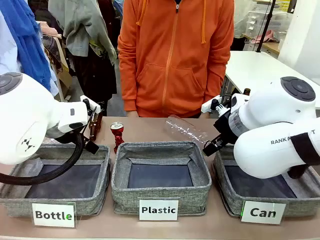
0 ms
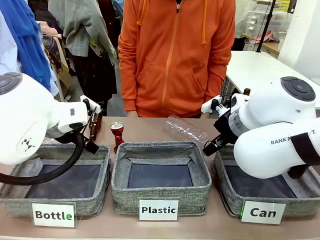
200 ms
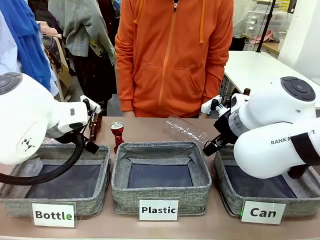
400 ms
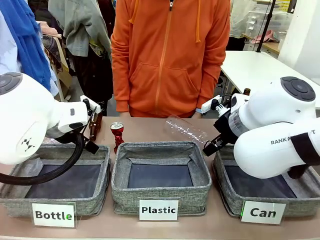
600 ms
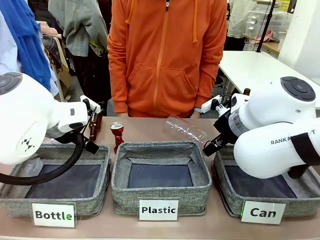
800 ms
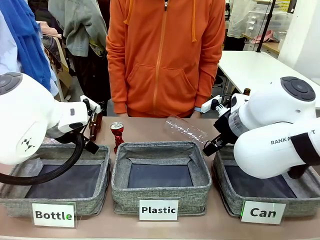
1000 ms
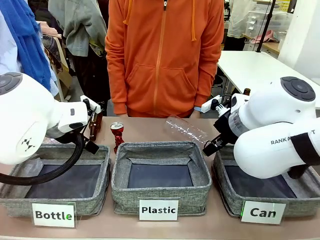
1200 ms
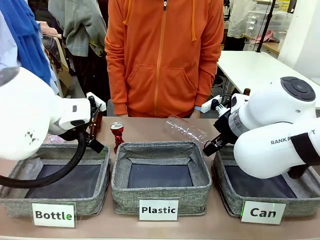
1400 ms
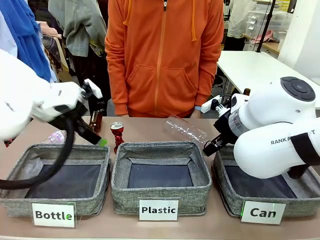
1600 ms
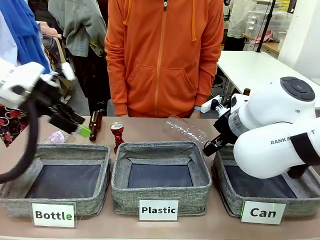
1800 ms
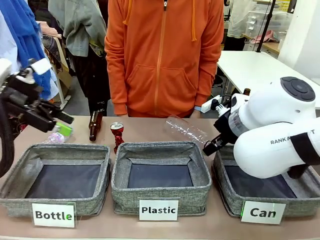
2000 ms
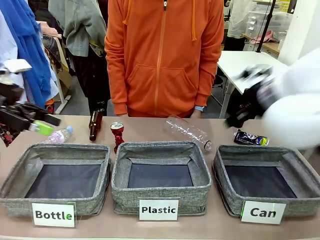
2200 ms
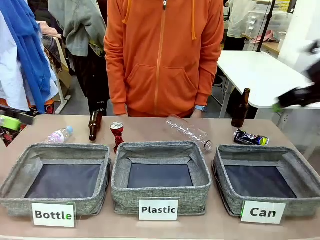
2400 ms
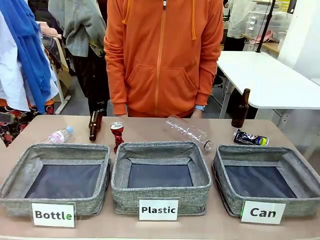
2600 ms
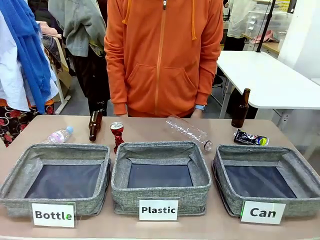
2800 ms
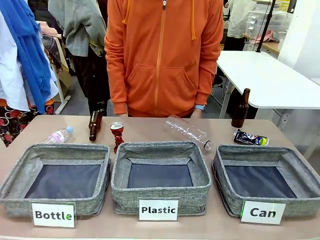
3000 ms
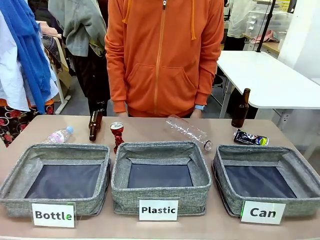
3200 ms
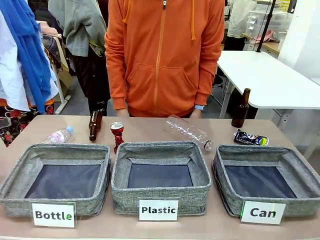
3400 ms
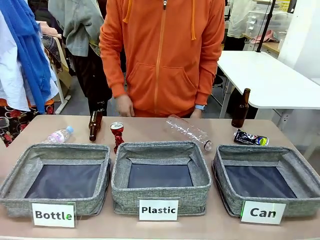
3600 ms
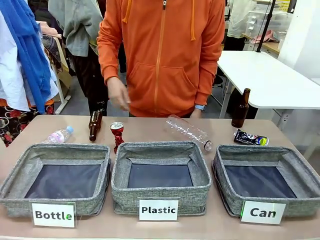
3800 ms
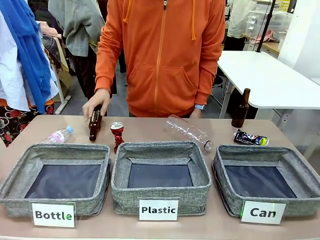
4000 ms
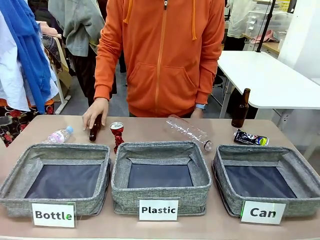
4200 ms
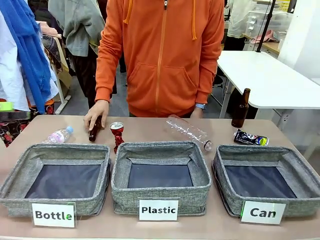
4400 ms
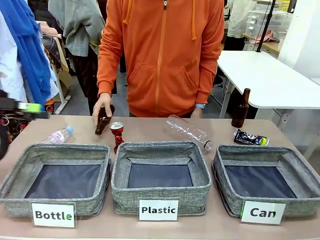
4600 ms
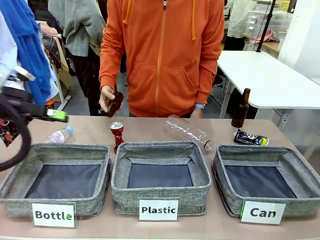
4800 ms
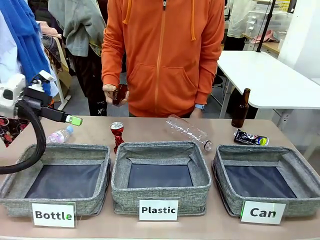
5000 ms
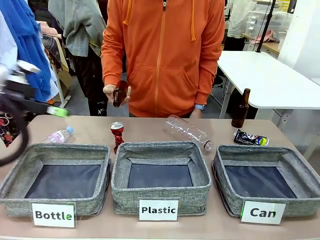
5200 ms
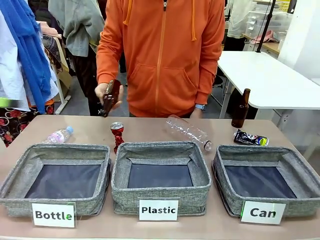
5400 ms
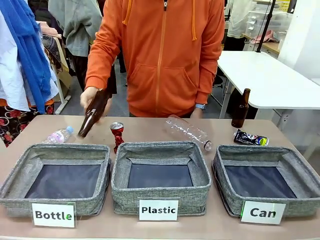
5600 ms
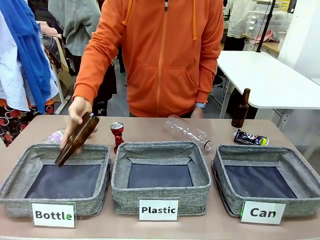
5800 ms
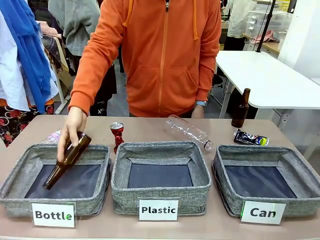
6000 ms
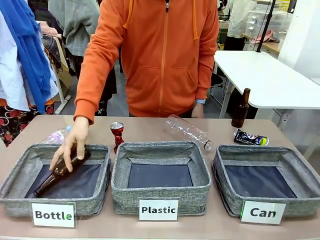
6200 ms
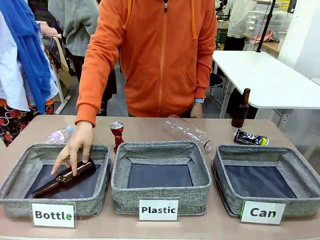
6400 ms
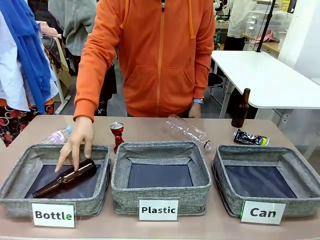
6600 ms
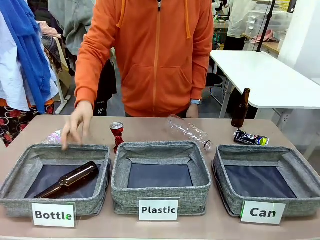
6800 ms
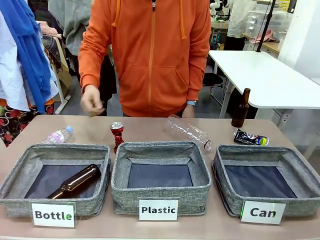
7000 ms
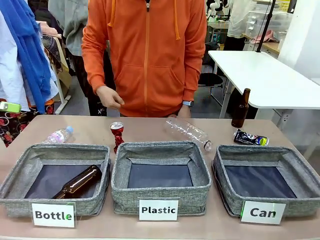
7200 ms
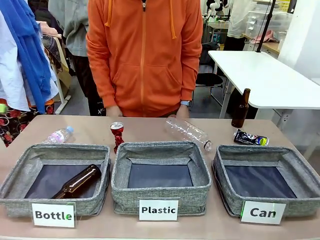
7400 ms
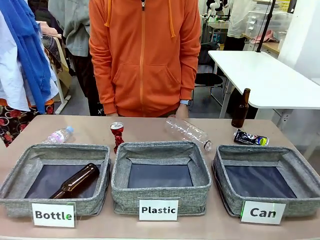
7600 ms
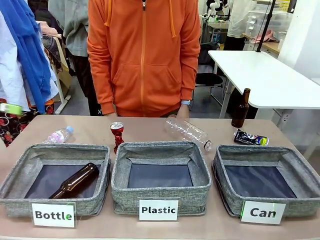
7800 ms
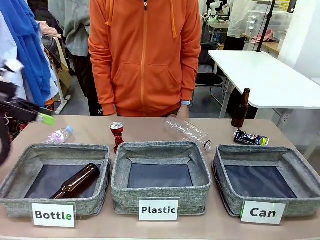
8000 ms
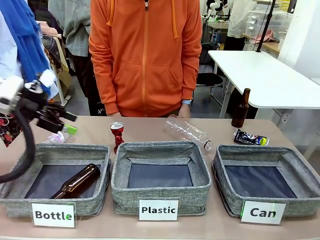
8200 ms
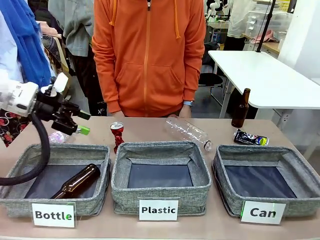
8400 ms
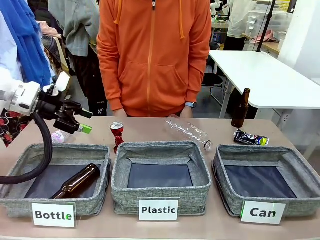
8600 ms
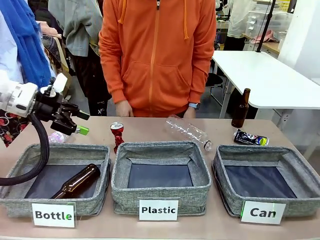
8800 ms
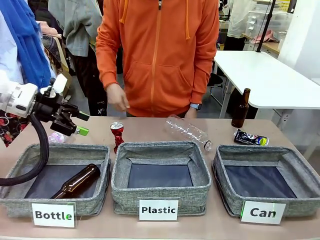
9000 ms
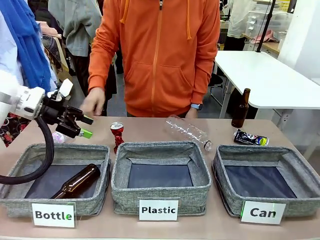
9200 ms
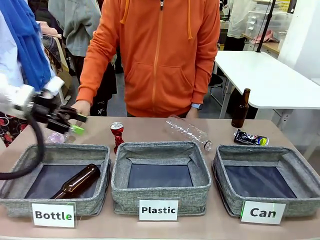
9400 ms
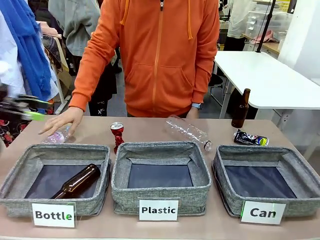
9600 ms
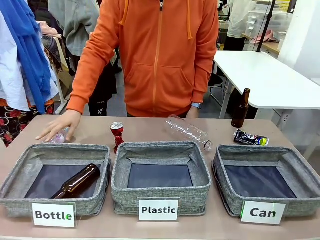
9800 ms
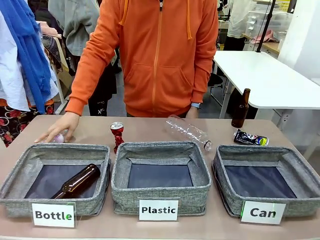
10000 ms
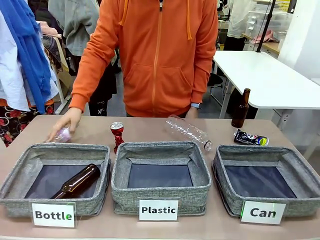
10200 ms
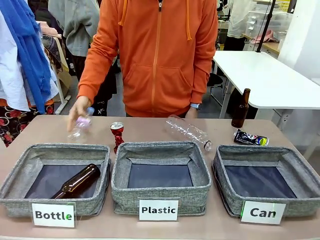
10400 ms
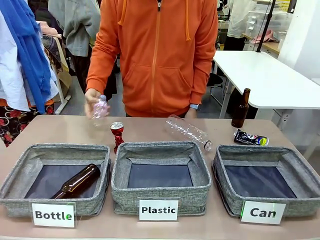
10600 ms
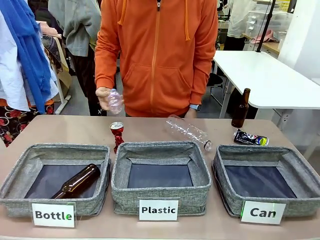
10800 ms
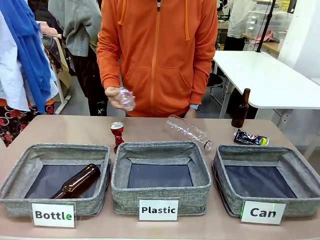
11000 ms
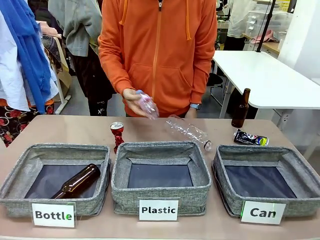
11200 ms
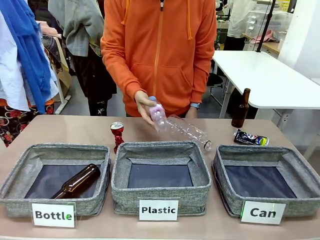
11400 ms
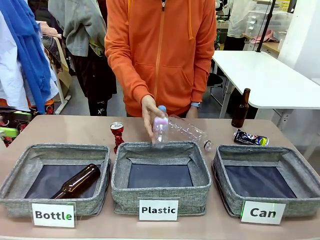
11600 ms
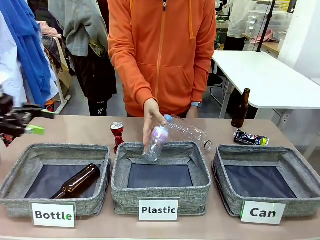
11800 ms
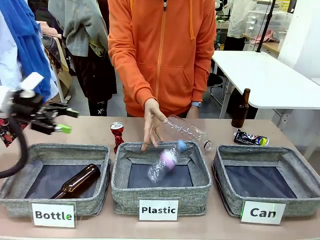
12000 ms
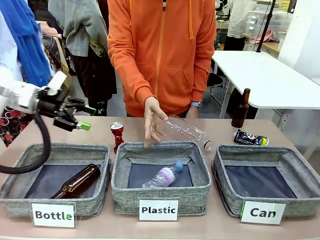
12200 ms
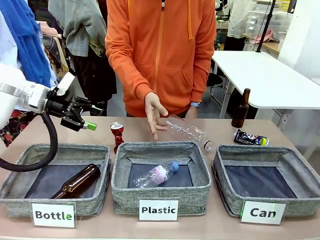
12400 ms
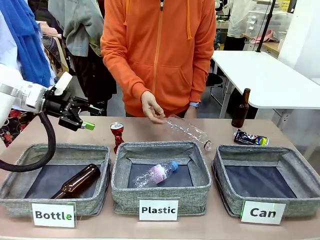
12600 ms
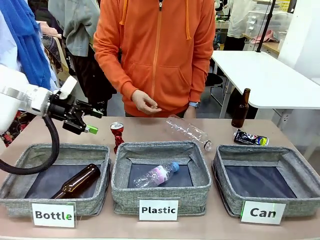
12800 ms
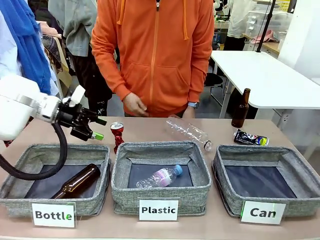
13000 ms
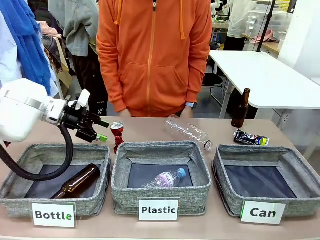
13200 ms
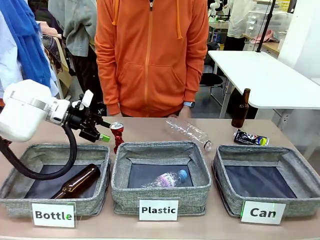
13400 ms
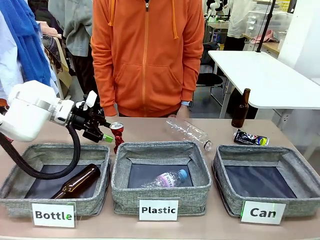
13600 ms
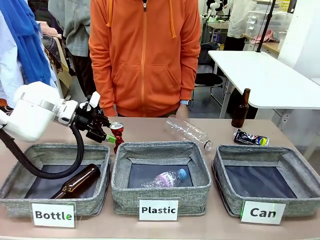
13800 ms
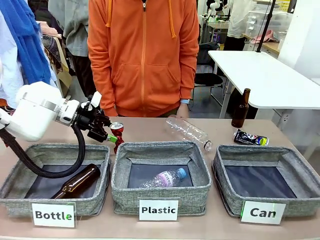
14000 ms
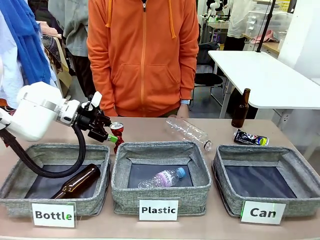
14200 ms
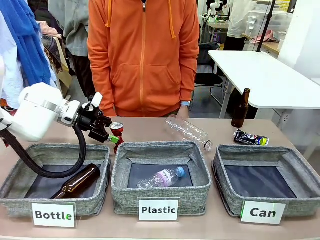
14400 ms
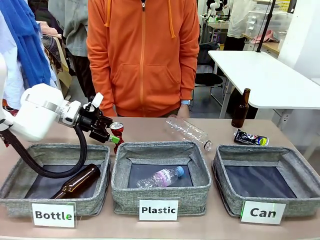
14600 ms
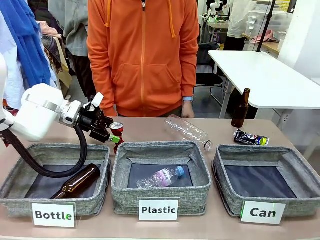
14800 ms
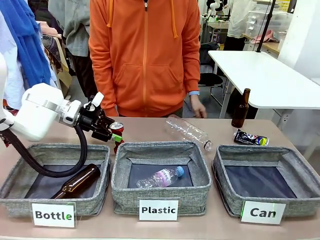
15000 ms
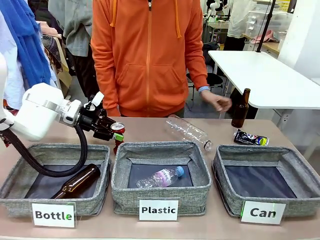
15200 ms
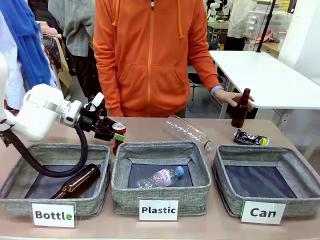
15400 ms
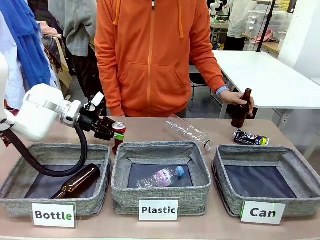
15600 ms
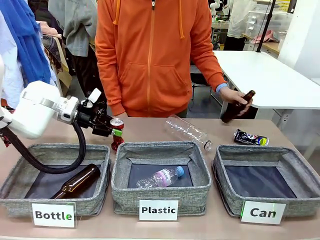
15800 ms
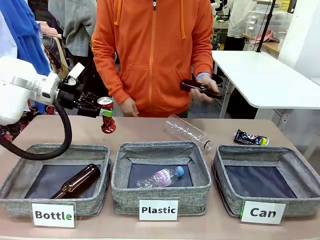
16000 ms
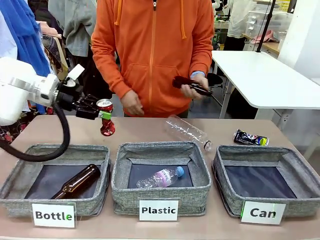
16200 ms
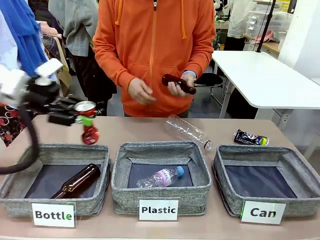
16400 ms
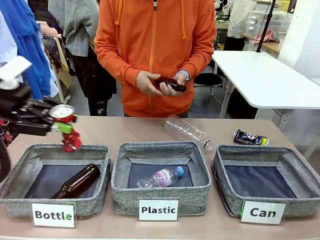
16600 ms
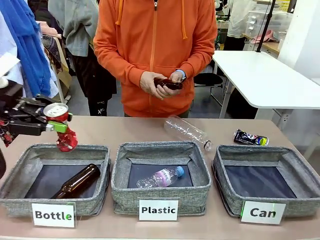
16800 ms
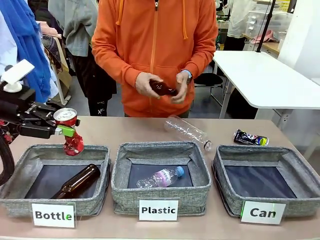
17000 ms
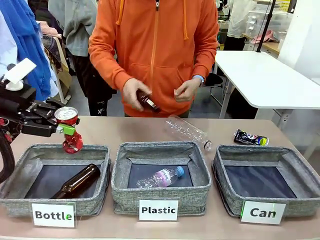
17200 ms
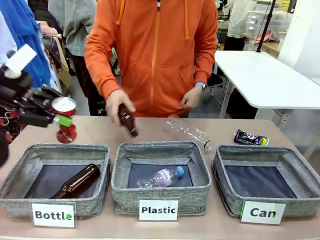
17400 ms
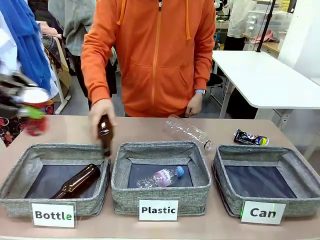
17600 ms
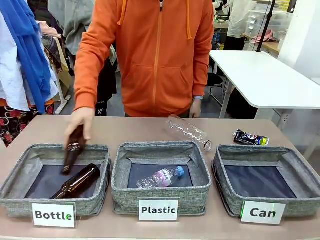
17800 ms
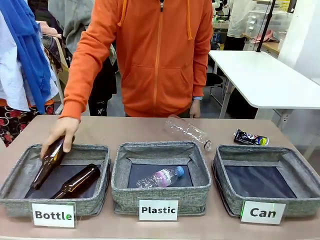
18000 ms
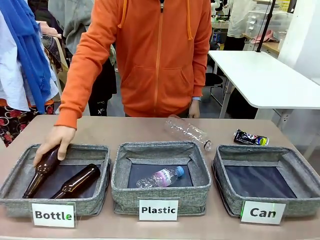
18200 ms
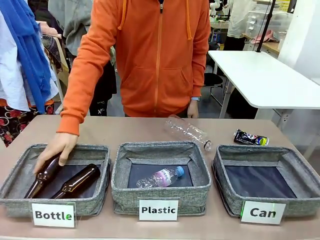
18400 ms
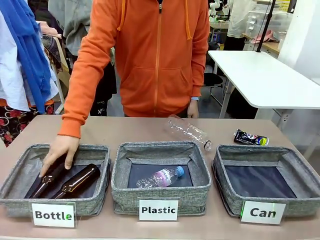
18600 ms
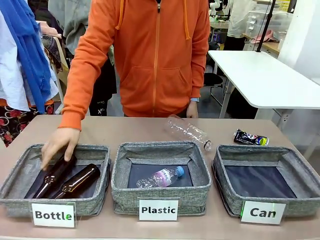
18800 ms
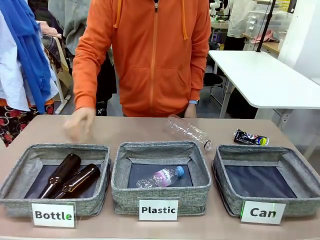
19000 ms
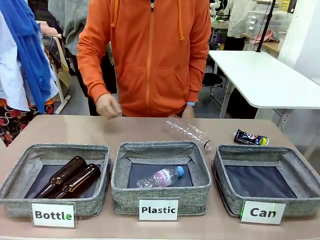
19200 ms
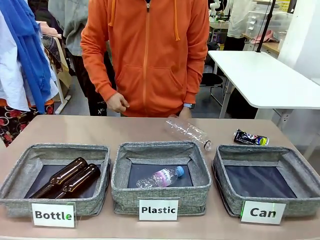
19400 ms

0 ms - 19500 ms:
Task: Sort the can waste into the basket.
Robot: Pick up the can waste from the table and place it in the right Fabric basket.
